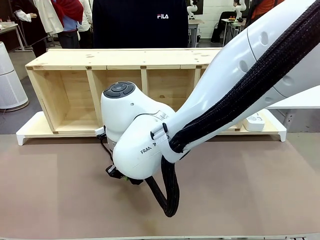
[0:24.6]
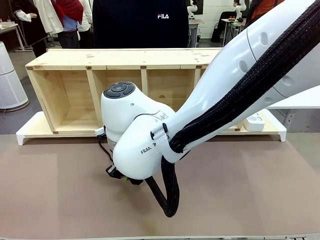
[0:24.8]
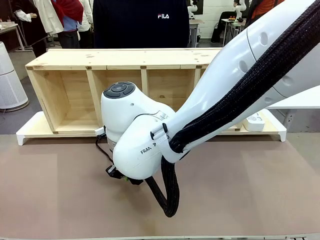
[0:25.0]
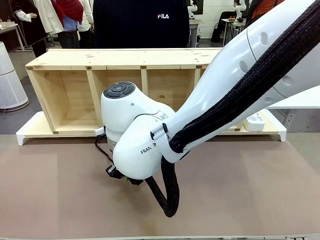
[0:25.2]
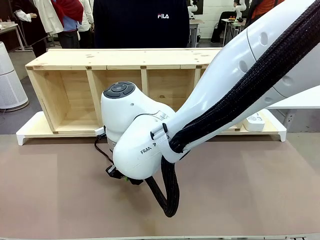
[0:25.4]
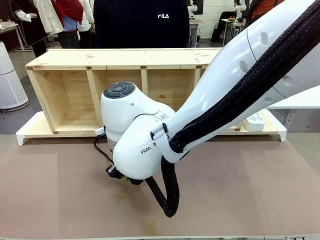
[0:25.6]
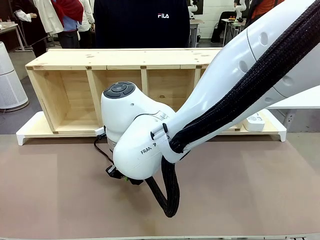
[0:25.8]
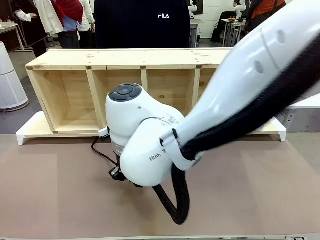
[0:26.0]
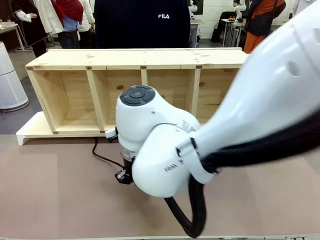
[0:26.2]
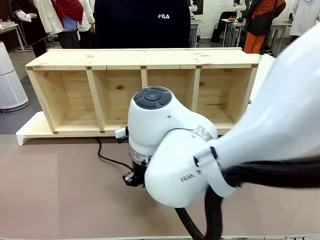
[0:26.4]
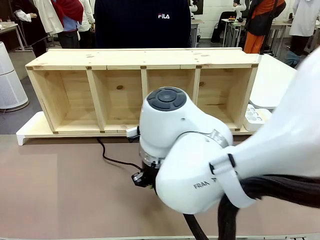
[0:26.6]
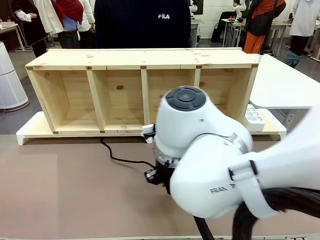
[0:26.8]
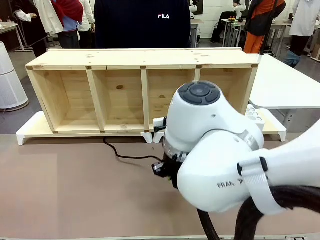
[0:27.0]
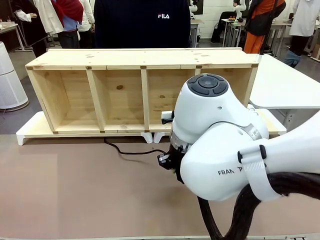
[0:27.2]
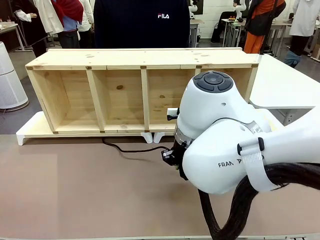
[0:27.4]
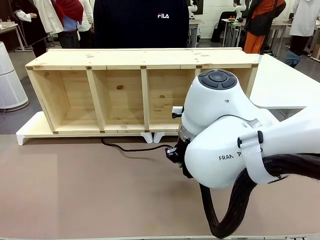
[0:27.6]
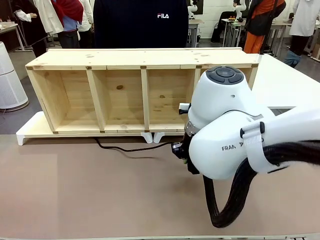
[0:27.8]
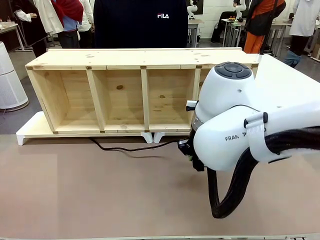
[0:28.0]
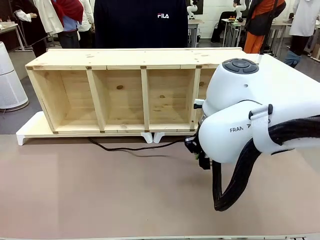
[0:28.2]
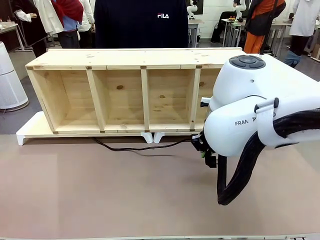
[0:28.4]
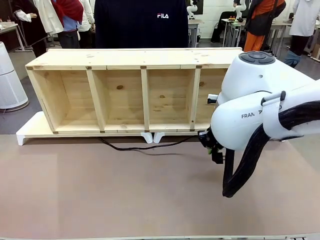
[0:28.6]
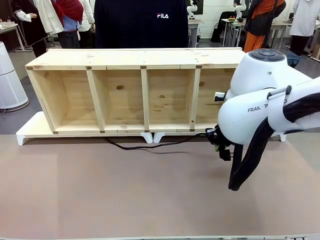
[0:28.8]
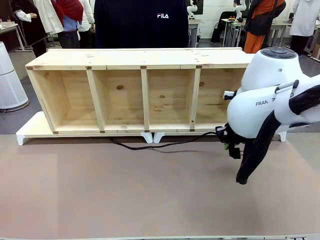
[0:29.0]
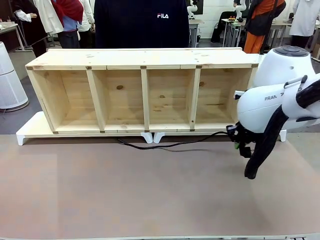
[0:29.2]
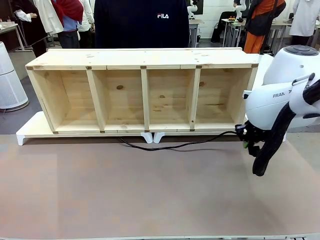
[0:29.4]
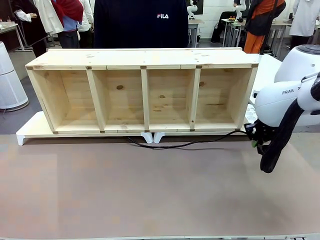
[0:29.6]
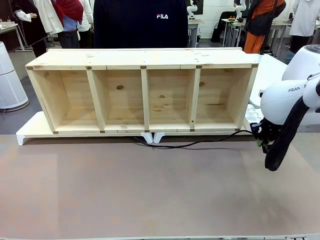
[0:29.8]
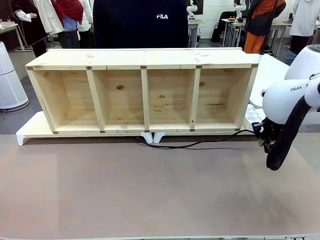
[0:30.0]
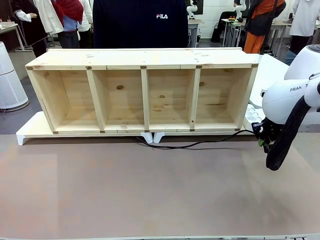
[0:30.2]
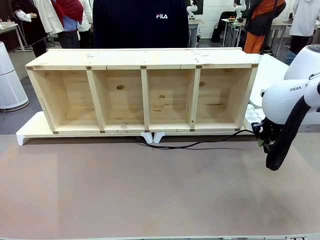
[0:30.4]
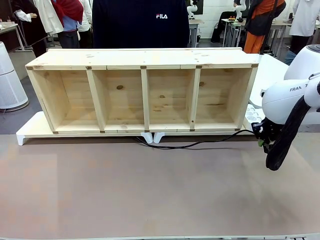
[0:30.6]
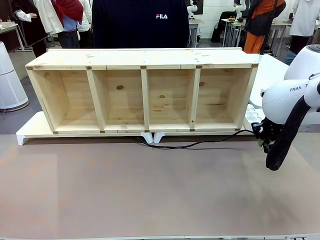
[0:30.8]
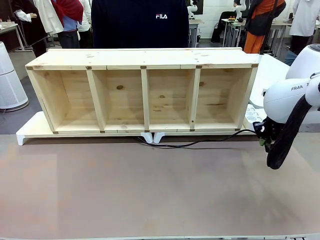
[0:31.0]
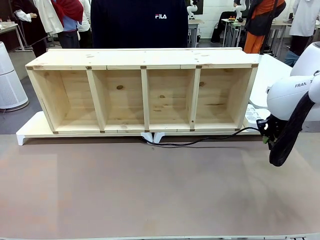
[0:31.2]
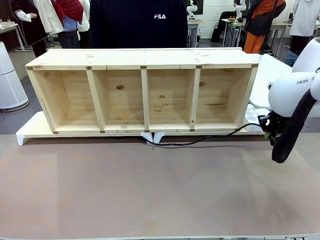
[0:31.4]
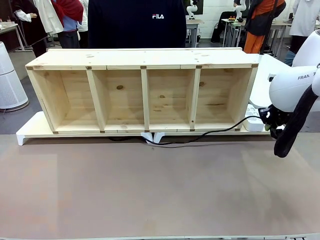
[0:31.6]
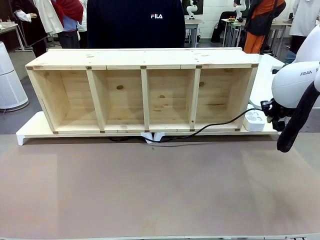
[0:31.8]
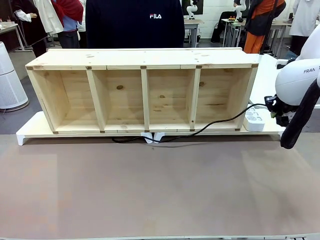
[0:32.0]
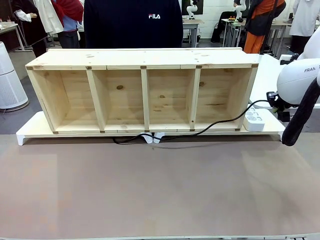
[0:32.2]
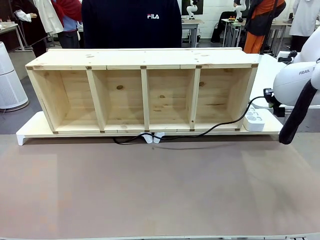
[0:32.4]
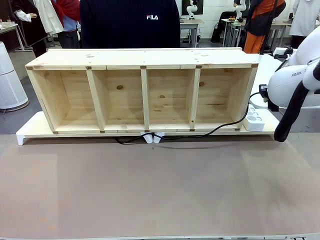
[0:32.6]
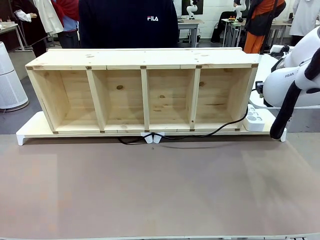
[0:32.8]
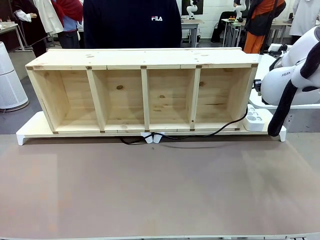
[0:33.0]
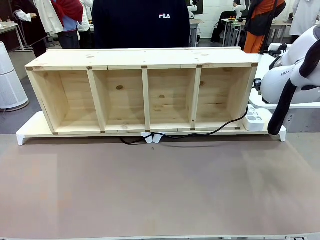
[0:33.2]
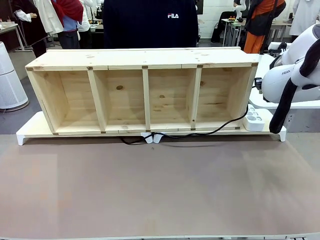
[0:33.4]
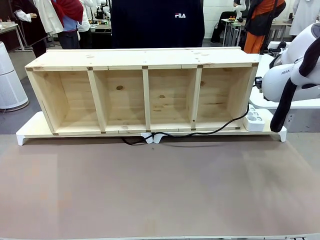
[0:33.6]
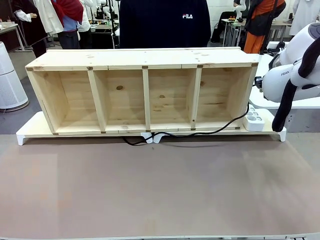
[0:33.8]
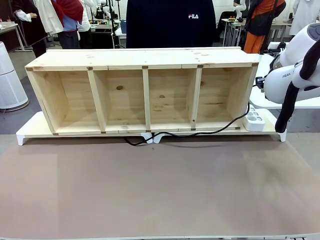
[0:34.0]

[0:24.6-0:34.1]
Task: Perform cable management.
Robot: Pull the grasped Power Cable to the location of the Power Strip.

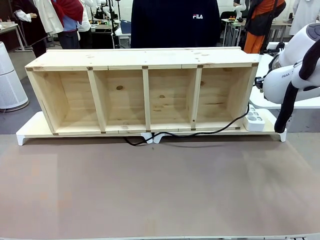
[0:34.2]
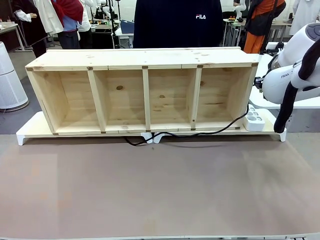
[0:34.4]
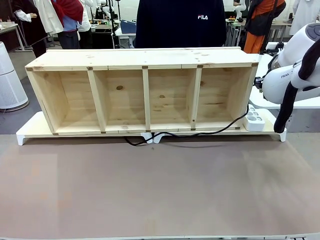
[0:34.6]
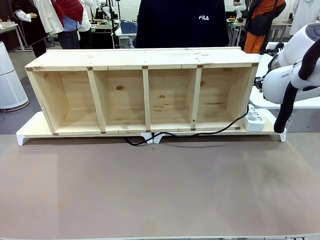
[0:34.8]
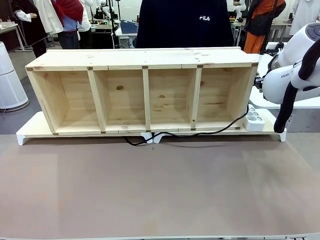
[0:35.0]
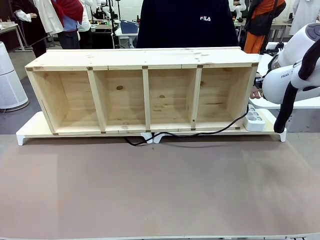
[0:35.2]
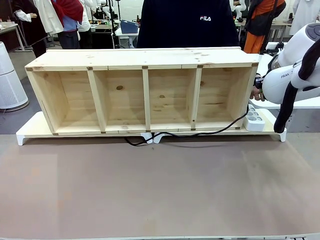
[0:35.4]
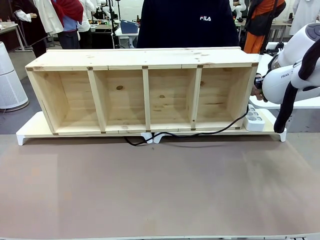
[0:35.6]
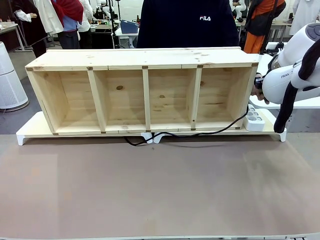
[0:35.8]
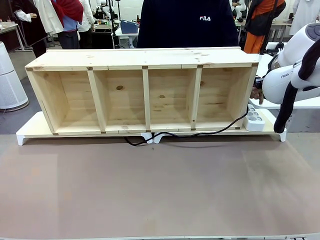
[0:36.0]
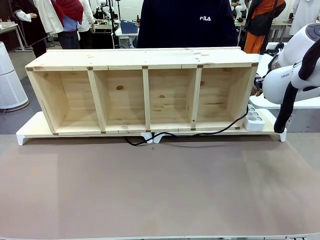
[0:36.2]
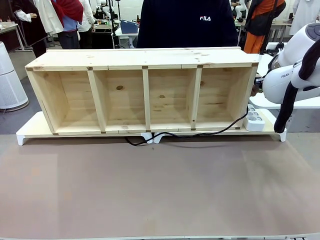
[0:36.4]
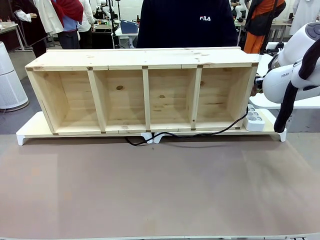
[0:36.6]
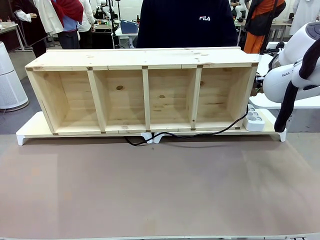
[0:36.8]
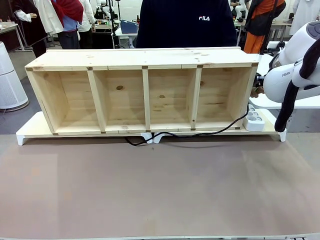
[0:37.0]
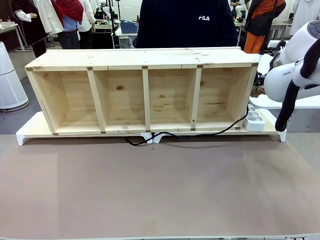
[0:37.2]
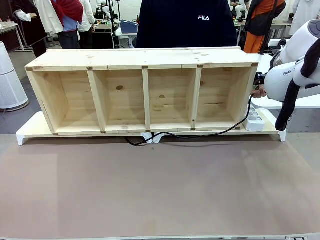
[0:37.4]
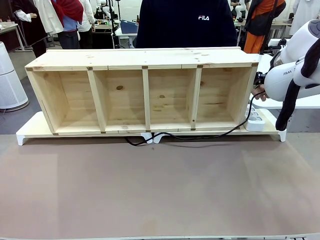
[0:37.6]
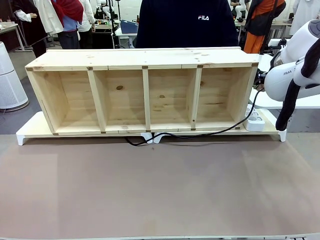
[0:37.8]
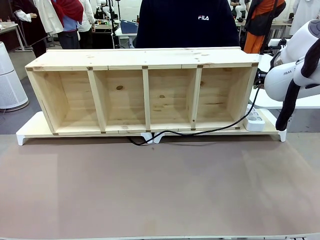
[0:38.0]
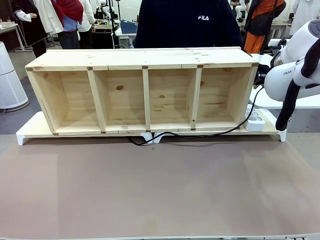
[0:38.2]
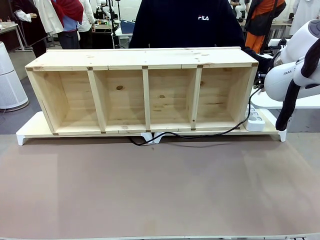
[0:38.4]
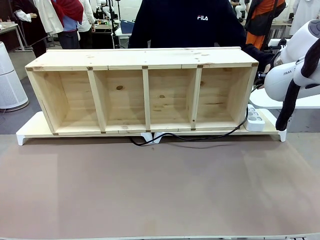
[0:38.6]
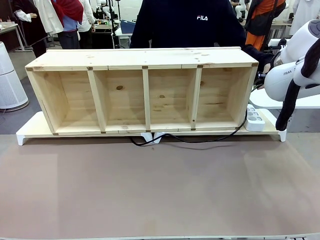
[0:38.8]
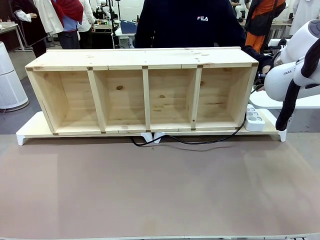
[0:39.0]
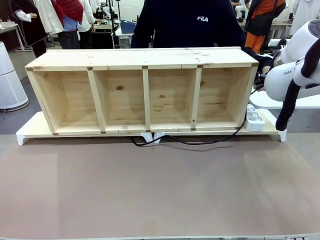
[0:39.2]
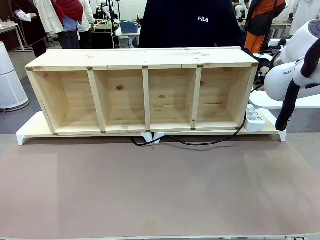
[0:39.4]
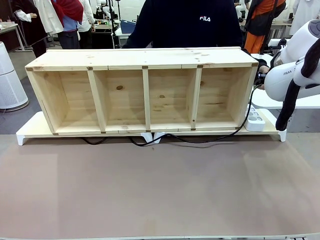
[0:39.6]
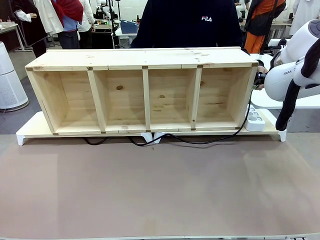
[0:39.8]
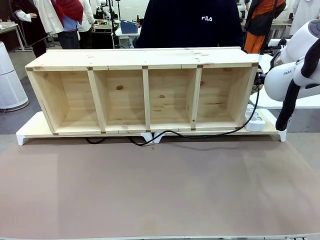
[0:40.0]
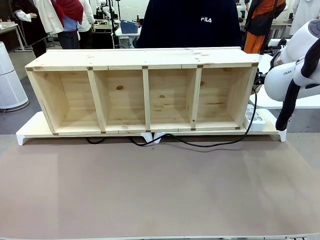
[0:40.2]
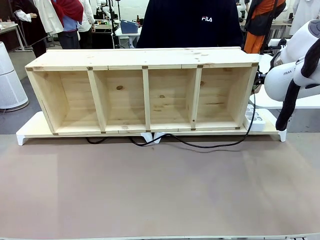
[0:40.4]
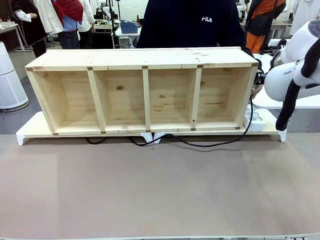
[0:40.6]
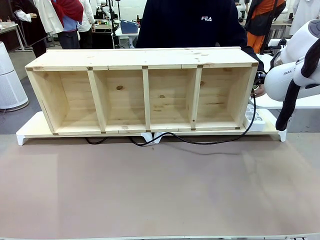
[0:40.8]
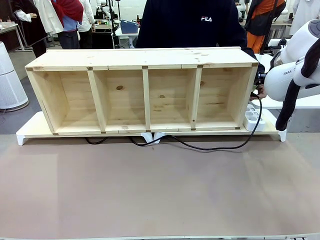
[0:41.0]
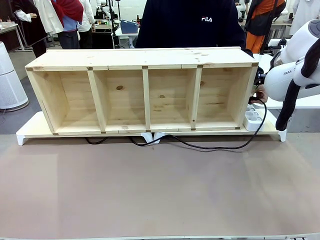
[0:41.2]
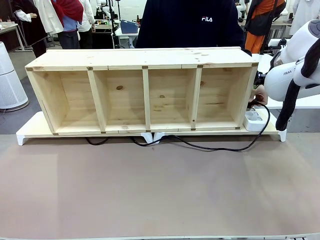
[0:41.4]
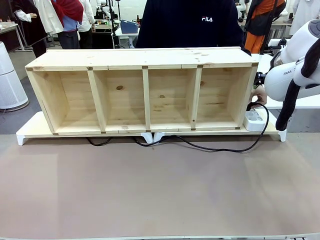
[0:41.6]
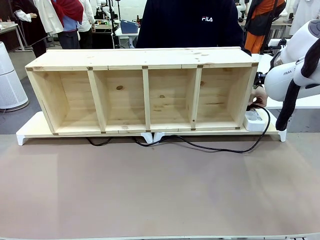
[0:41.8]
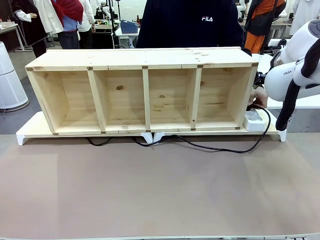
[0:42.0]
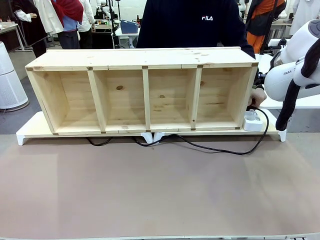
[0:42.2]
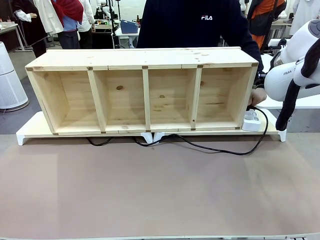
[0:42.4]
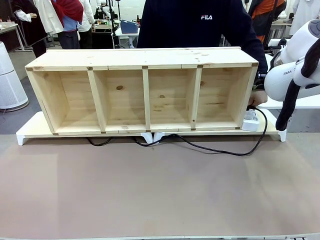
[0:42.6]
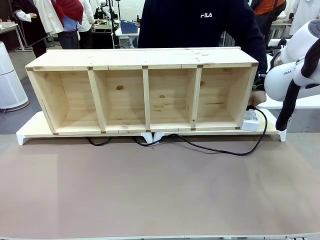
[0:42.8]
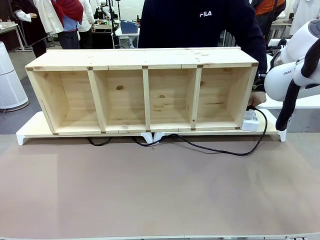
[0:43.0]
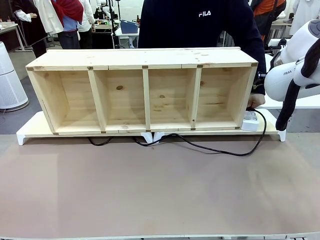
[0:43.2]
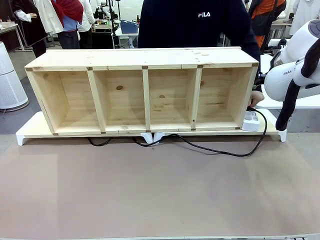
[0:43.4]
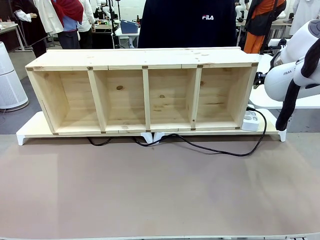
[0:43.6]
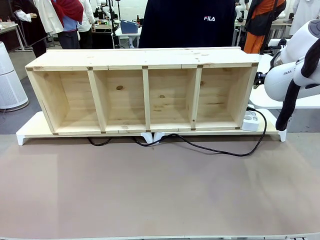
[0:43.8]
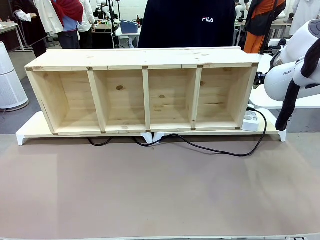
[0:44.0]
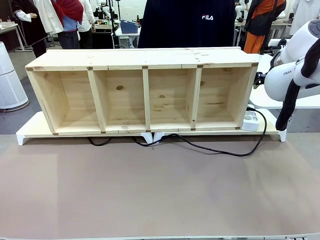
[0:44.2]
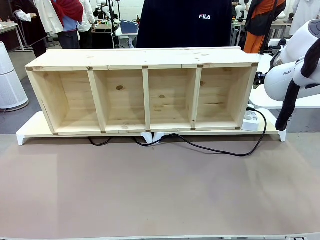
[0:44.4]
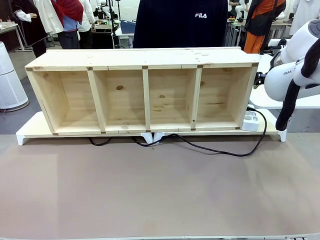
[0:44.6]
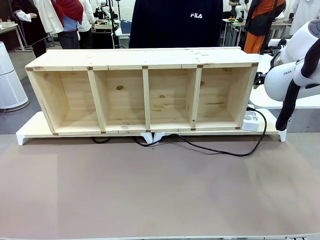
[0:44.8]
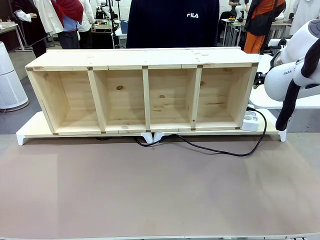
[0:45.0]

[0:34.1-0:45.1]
Robot: Release the Power Cable when the human grasps it.
Person: Plug the Power Cable into the Power Strip.
